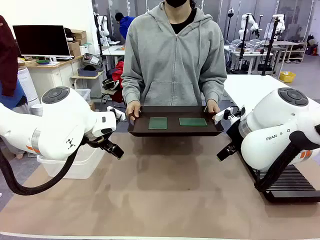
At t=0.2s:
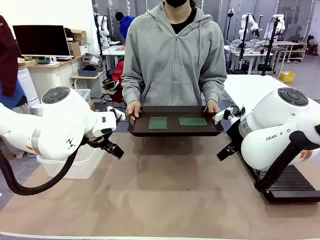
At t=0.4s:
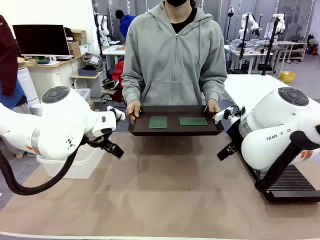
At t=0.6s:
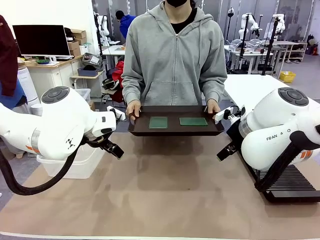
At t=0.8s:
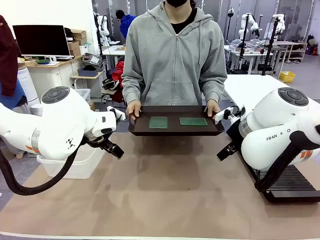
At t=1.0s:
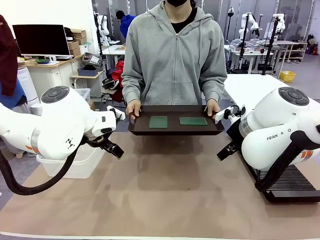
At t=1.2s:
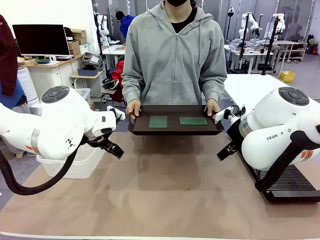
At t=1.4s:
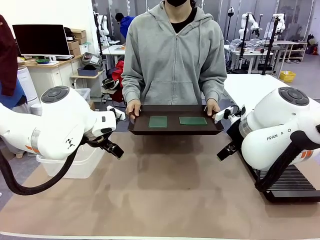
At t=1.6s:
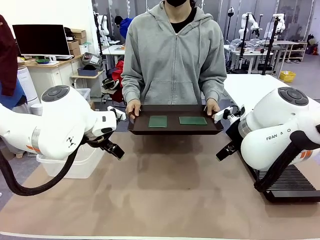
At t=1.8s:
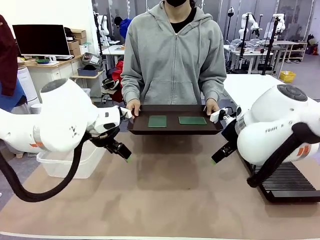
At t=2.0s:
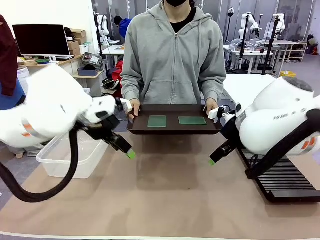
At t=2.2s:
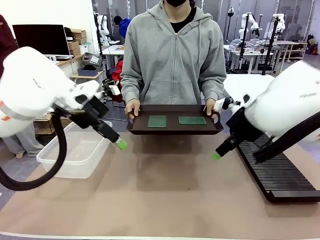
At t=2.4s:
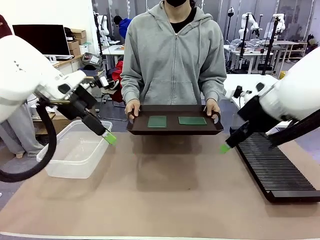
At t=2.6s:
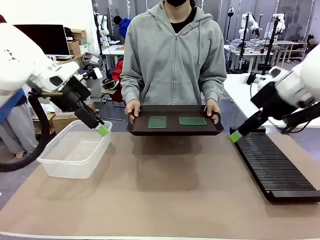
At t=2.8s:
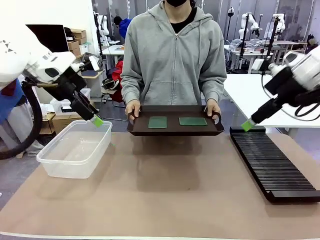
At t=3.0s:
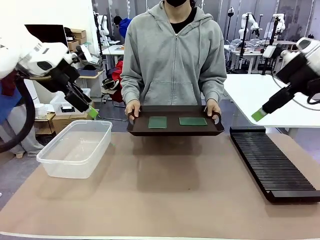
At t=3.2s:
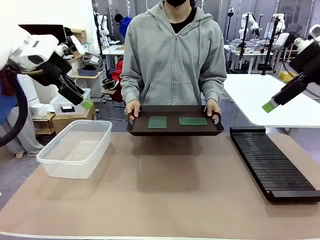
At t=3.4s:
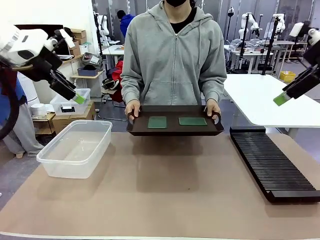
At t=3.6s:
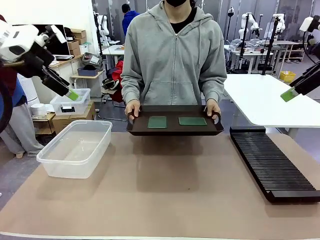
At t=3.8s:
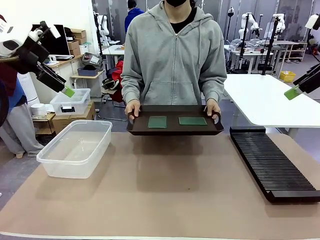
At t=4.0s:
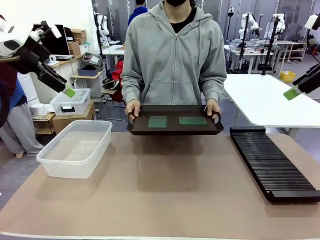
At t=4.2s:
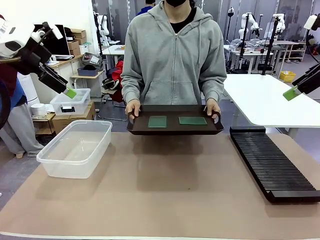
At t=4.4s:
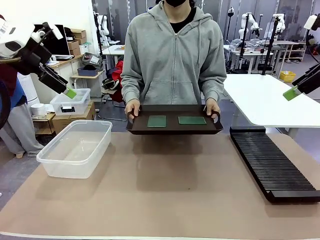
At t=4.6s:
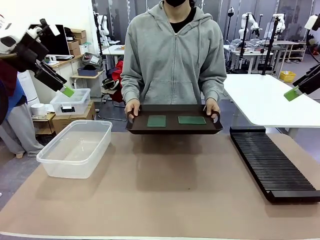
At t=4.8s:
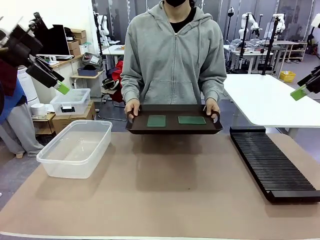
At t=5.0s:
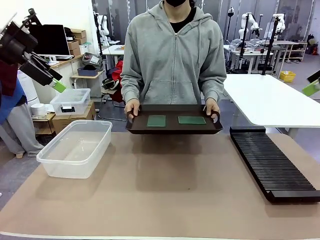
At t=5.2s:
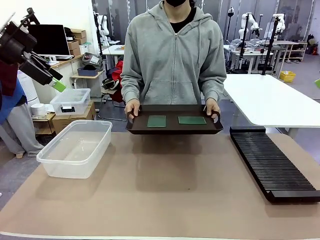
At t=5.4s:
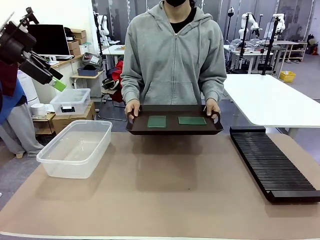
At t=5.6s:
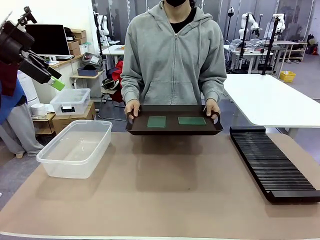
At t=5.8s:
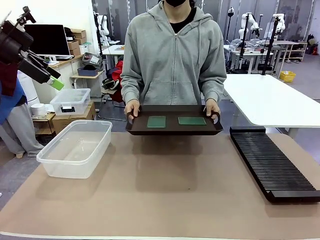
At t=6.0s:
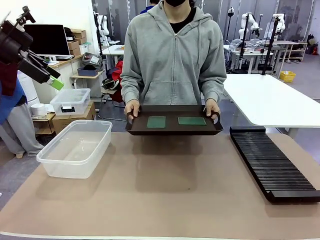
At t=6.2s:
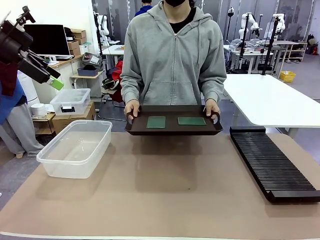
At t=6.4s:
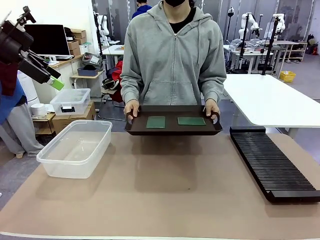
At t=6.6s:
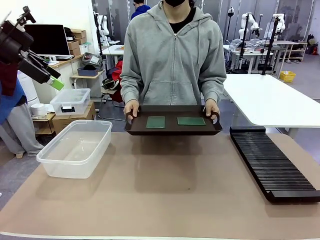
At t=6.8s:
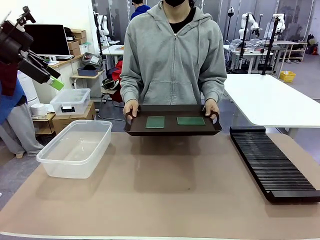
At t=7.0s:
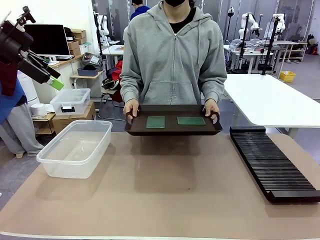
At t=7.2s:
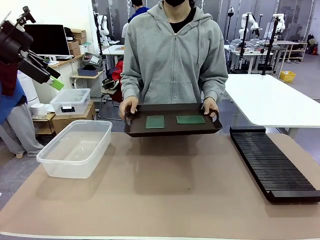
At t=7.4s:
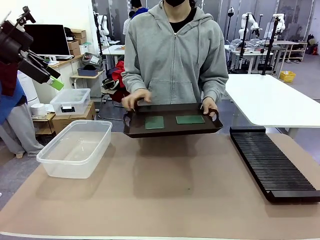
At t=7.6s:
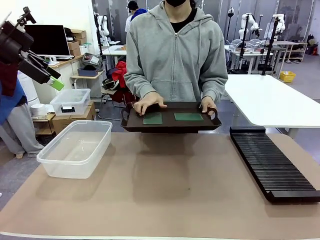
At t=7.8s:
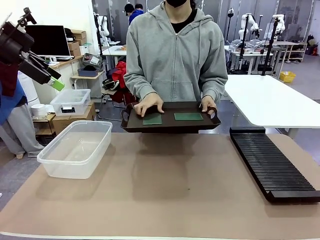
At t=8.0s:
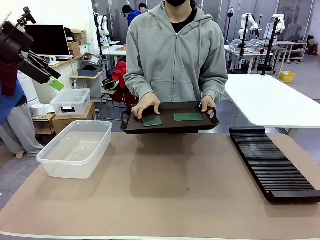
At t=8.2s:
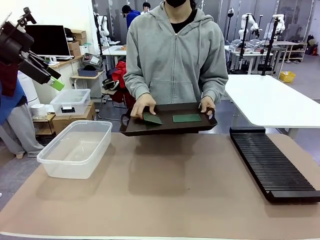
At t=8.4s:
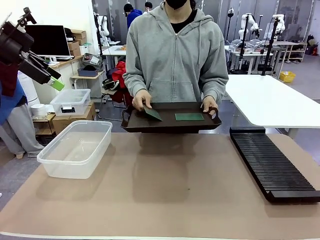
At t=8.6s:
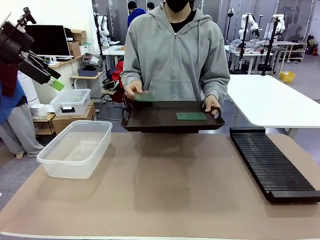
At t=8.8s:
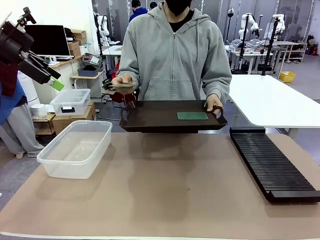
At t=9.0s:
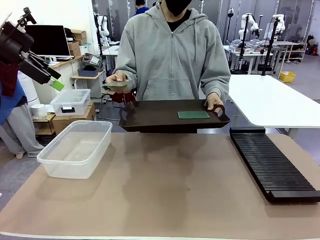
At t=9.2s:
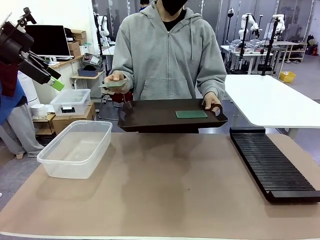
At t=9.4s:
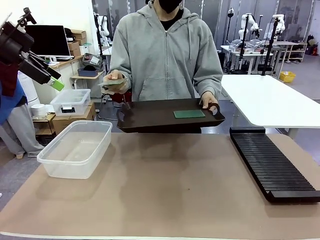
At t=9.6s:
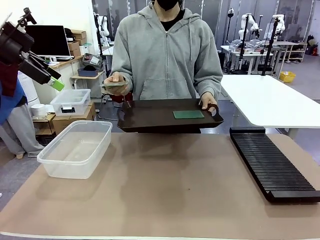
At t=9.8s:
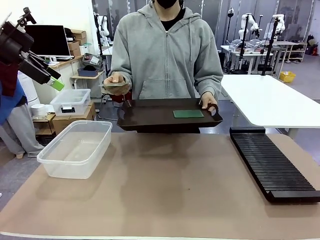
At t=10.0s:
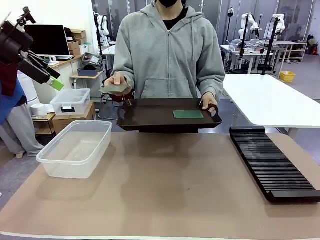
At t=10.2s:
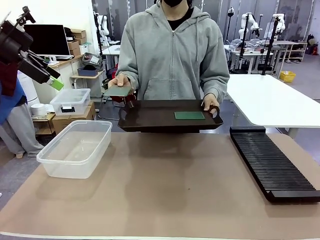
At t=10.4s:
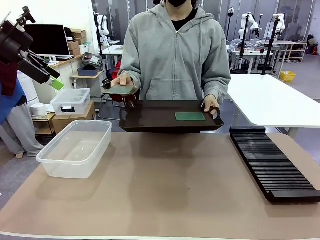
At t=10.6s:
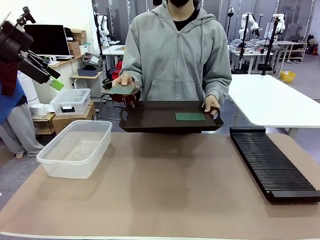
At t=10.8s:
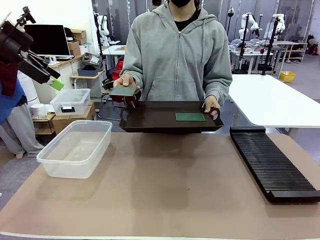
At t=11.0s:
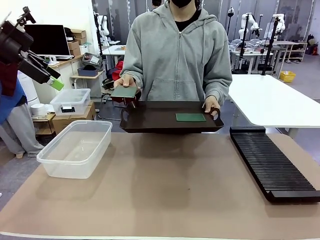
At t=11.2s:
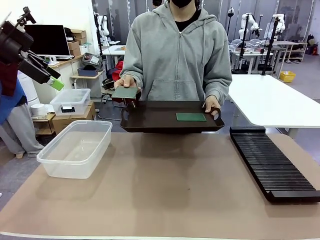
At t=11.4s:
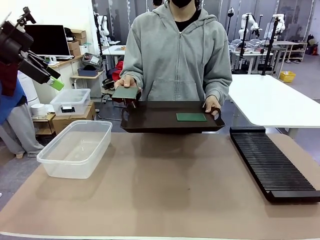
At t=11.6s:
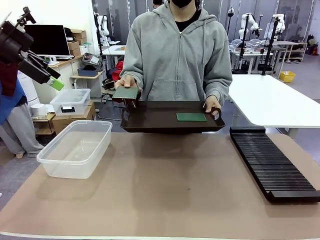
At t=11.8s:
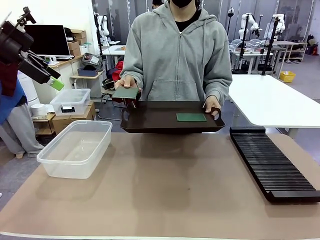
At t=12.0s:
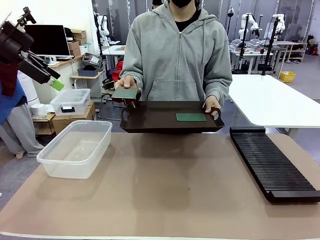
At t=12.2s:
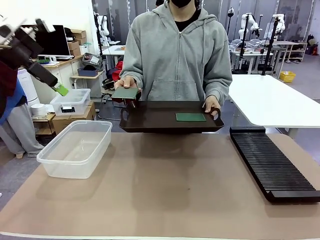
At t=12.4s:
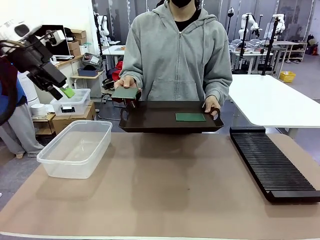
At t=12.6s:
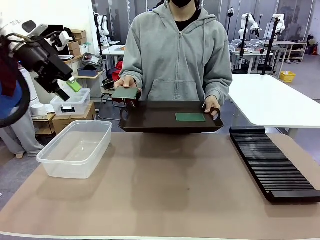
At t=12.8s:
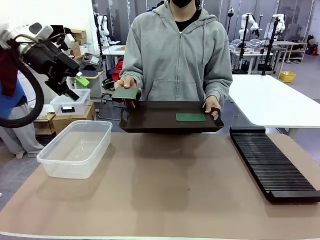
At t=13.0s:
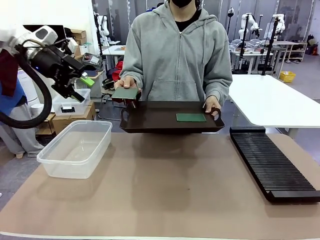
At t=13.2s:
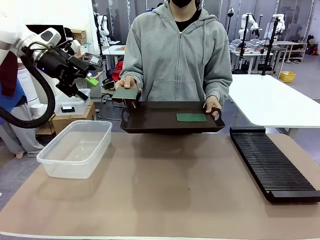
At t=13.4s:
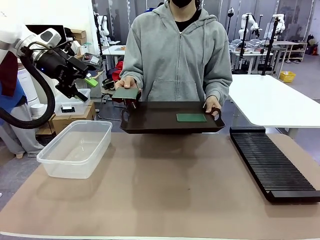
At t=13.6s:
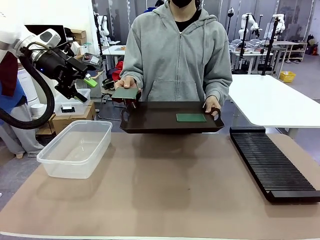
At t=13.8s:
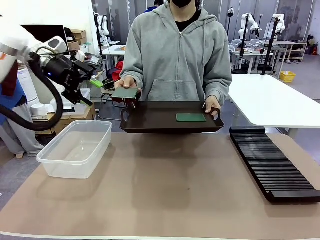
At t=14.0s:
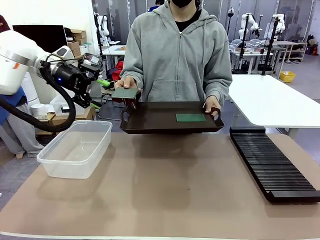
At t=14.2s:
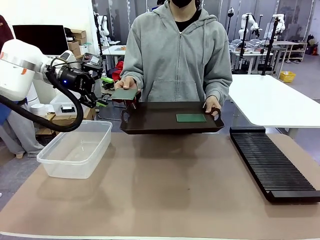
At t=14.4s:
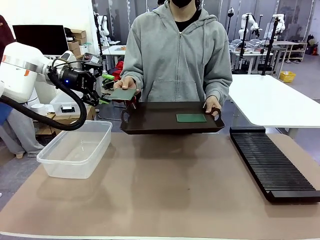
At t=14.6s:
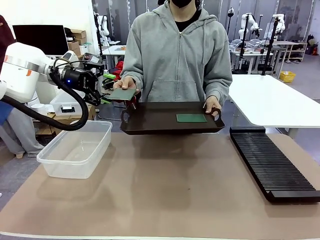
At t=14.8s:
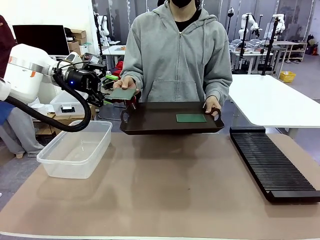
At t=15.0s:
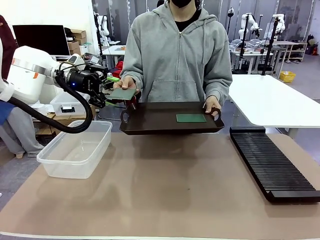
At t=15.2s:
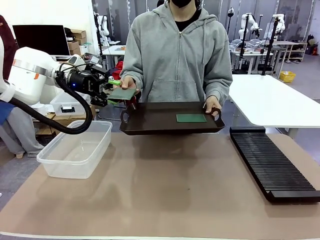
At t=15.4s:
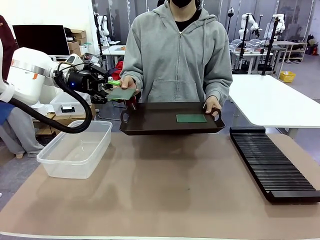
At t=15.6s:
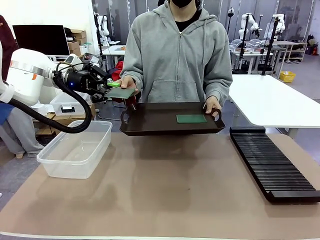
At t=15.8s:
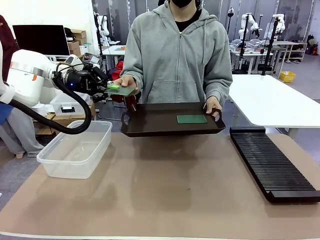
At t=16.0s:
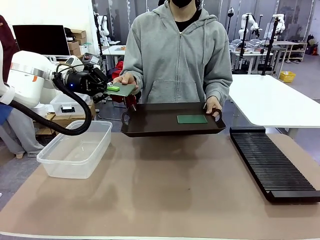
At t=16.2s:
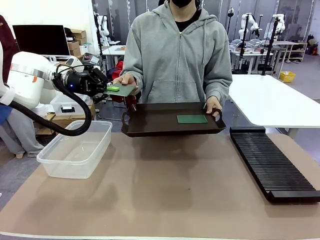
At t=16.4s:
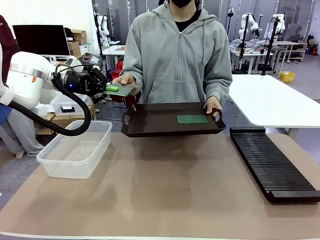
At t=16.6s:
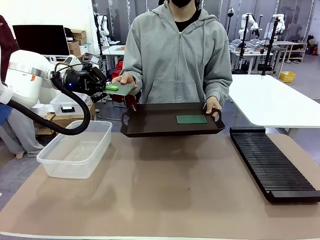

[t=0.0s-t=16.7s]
Task: Sort PCBs into racks and boxes based on the side picked up.
Robot: Pick up the Blank PCB handed by the Human.
Person: Pick one PCB from the tray and present it to the robot. Release the PCB being held.

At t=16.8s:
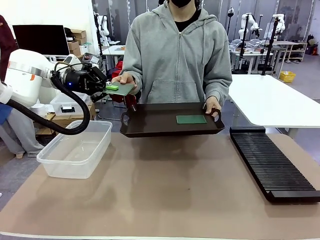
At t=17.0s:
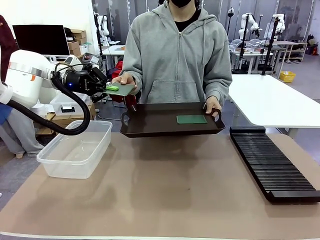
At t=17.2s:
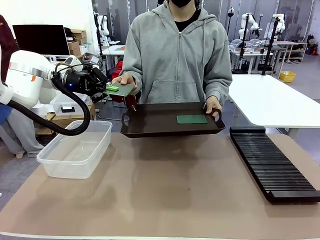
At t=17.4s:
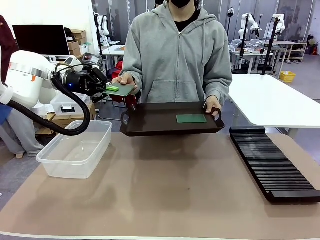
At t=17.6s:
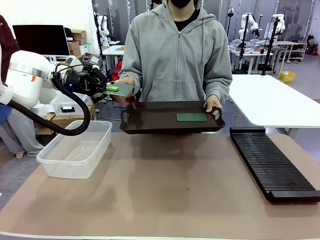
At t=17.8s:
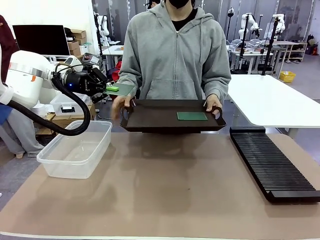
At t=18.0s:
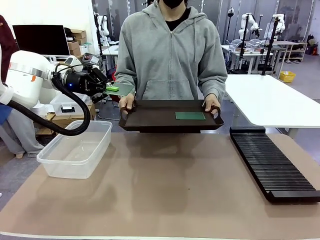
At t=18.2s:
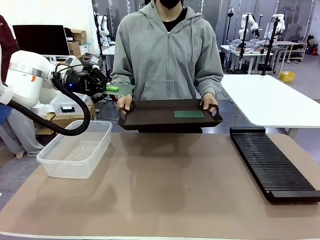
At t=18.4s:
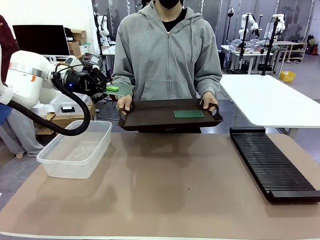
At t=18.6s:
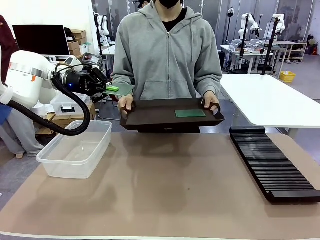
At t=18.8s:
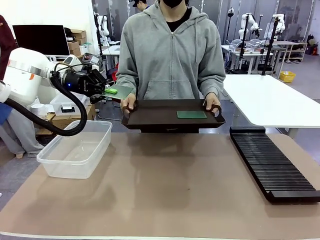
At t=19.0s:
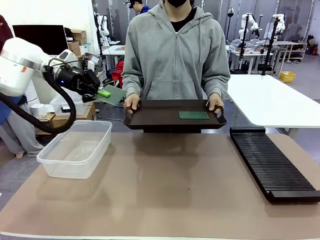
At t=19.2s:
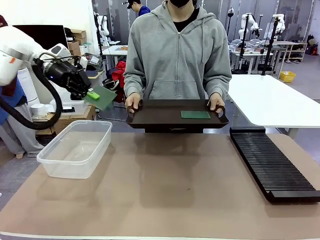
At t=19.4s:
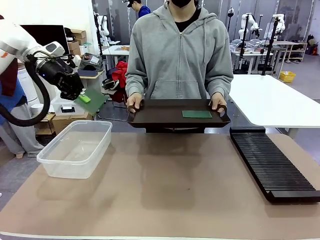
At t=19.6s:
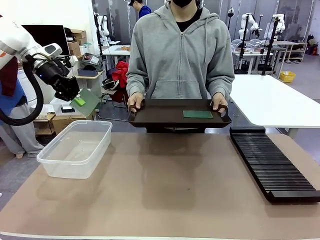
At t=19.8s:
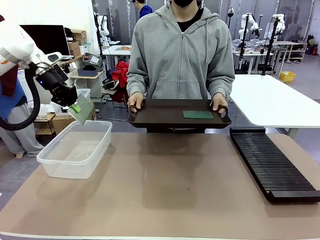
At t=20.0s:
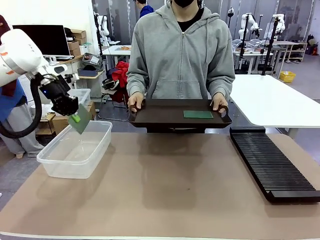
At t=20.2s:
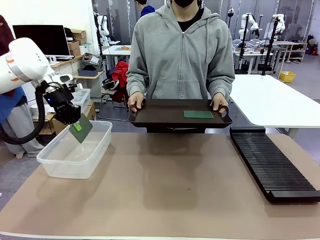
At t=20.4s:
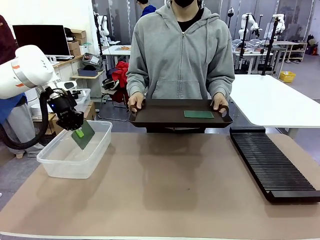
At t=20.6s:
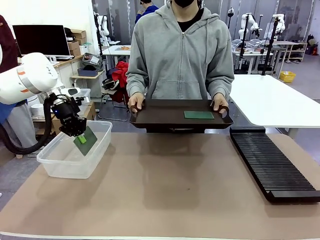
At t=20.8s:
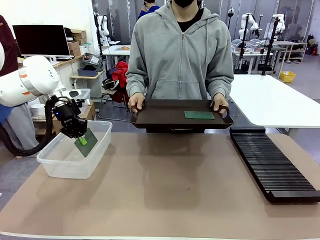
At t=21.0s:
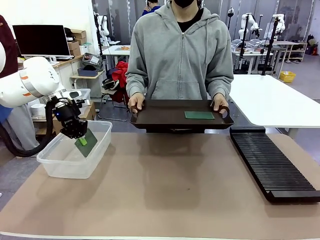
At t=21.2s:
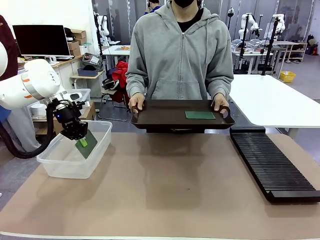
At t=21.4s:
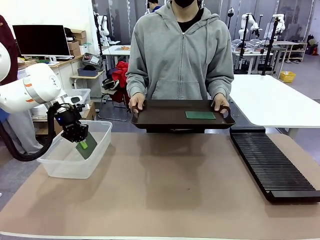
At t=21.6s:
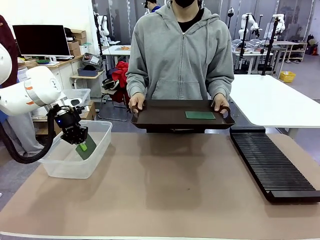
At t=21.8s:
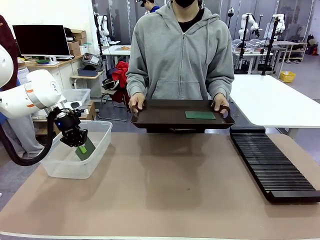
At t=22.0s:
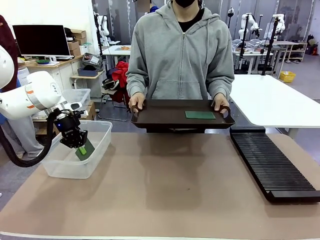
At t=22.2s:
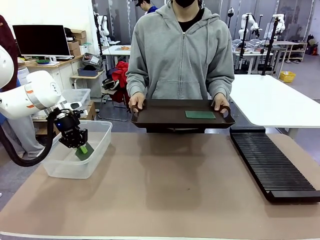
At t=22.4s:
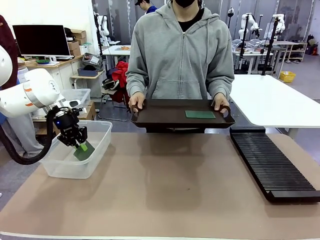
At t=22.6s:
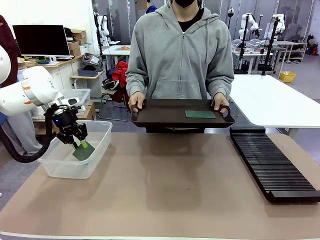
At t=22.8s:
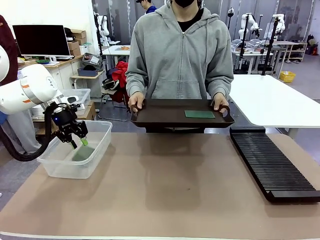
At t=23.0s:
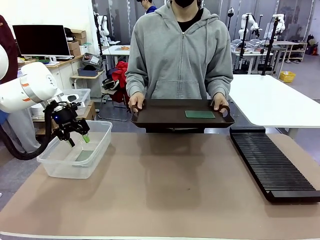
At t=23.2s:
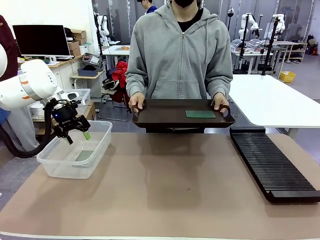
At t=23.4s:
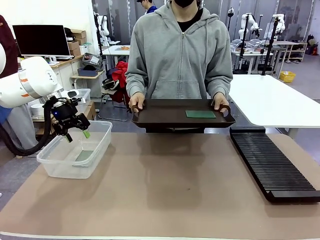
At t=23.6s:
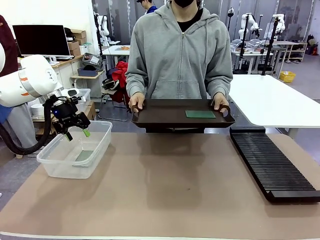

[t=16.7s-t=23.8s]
Robot: If the short side of the Blank PCB is picked up, insert it into the PCB Rack ; if the long side is picked up, place it in the Organizing box.
